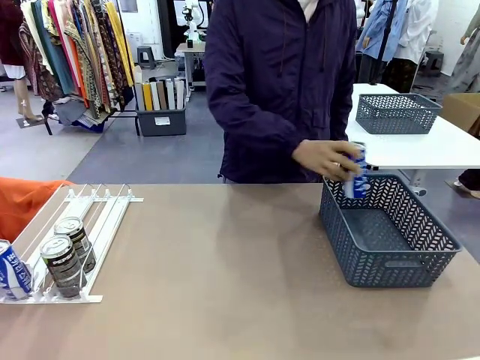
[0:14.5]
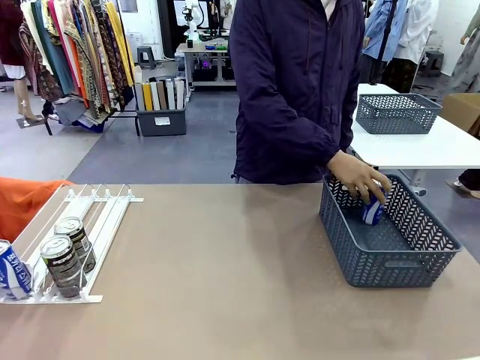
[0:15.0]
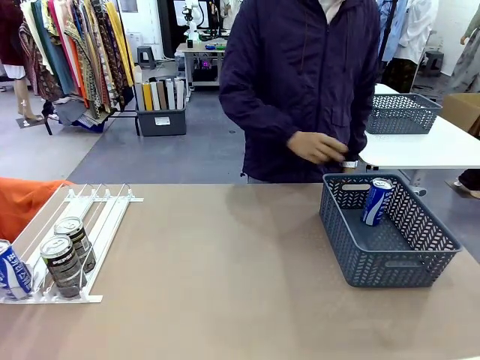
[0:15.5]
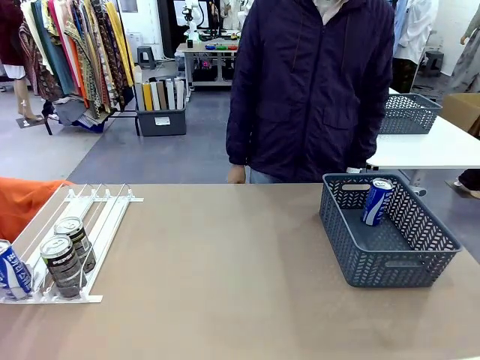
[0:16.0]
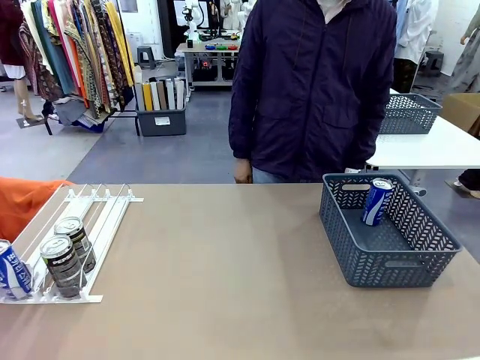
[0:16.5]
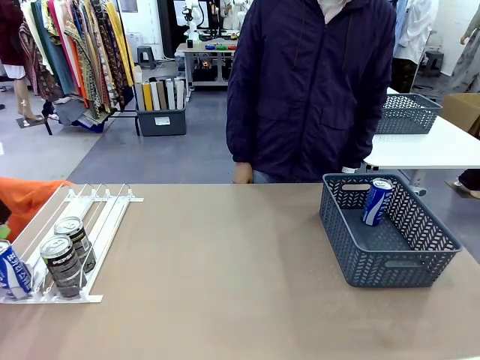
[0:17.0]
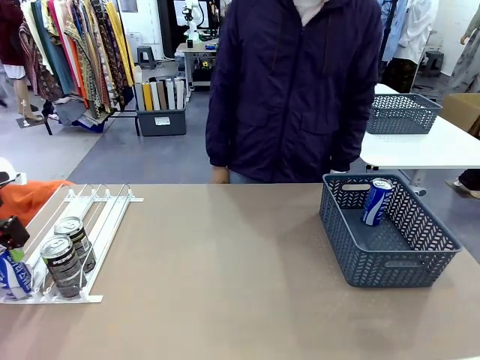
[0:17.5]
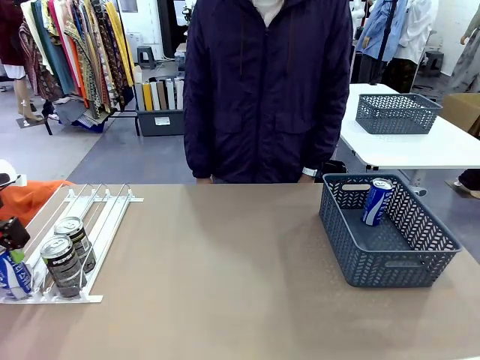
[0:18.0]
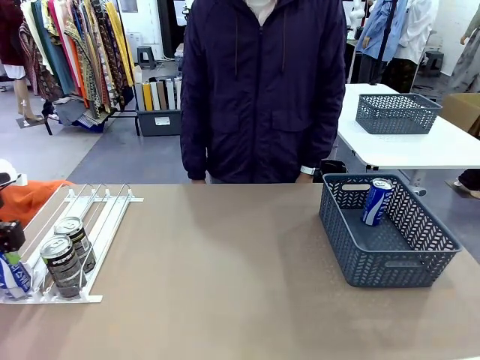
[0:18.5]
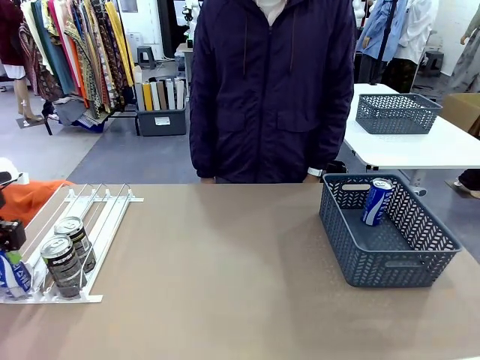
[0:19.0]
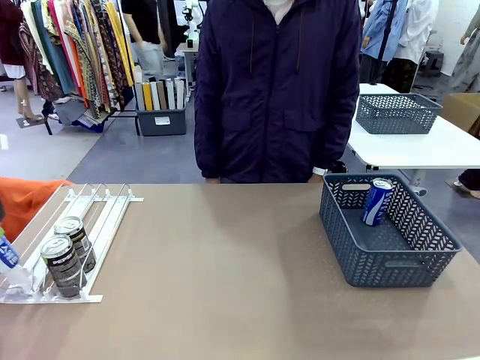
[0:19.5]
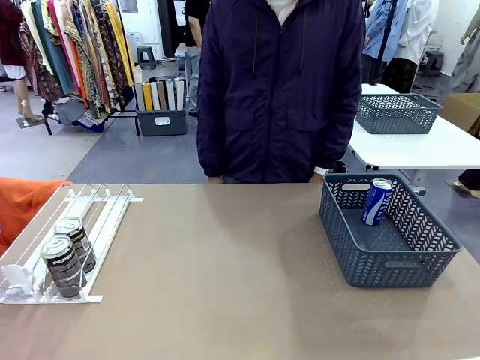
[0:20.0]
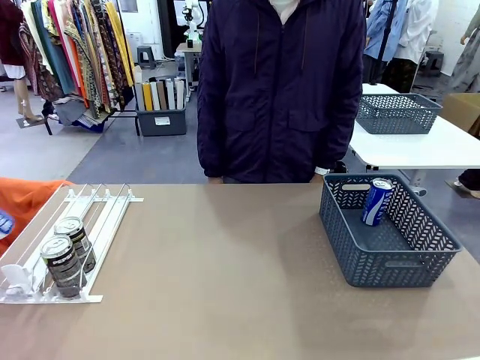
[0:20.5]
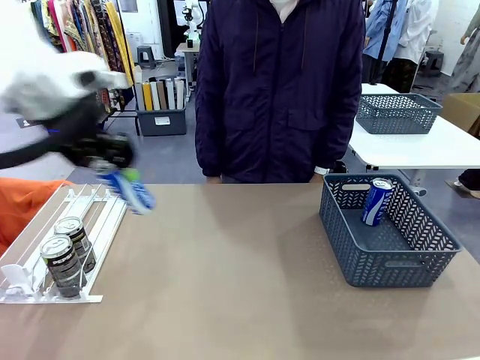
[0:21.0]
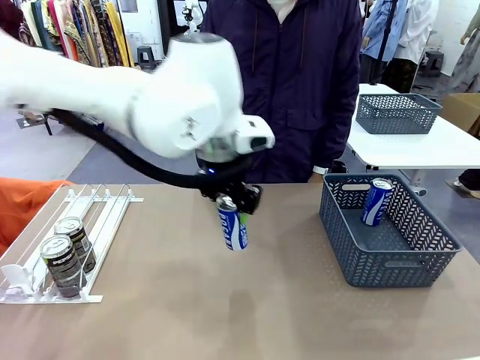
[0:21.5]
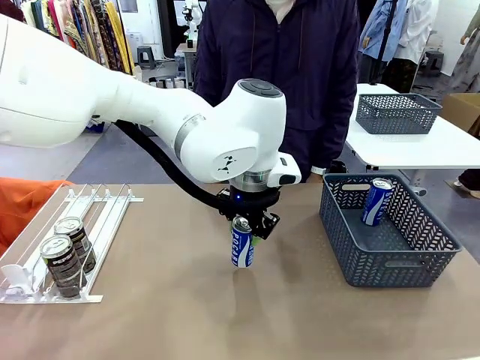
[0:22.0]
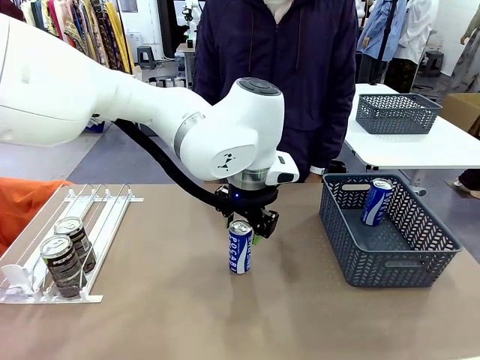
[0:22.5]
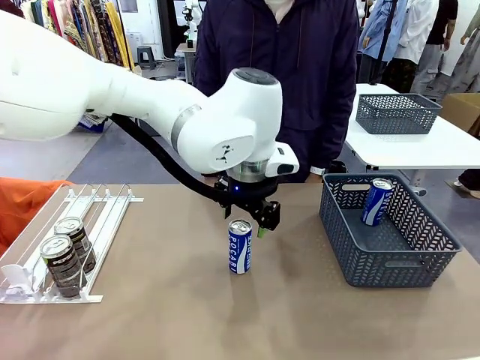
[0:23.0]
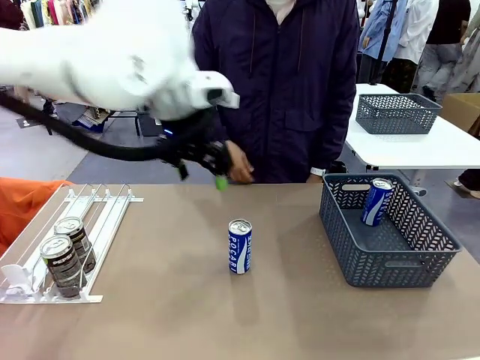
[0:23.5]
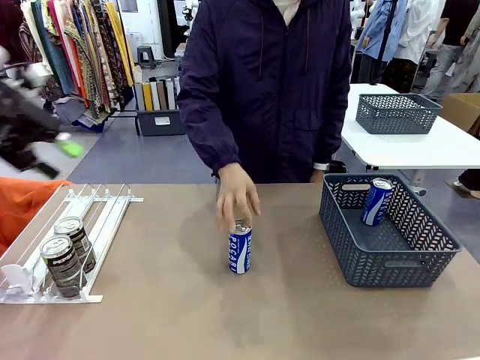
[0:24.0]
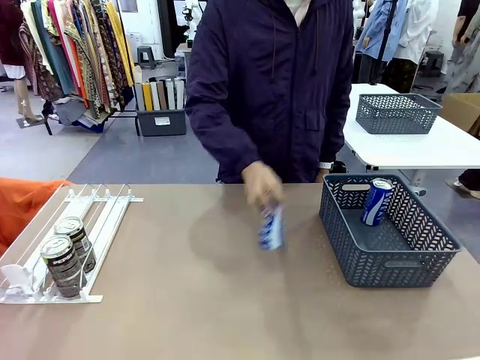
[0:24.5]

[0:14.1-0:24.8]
Task: Retrieve and store the cans from the dispenser.
Robot: Pick up the last remaining can from one row of the Automatic Can Dispenser and place it in the middle of the table.
Person: Pick up one Pepsi can from the middle of the robot table and place it in the basket.

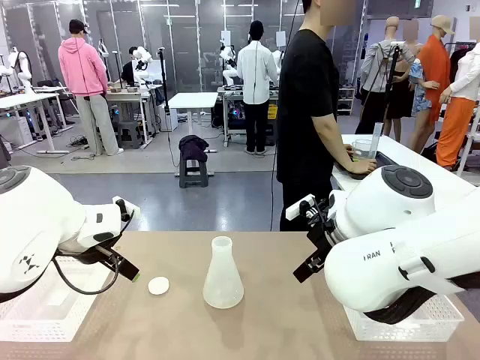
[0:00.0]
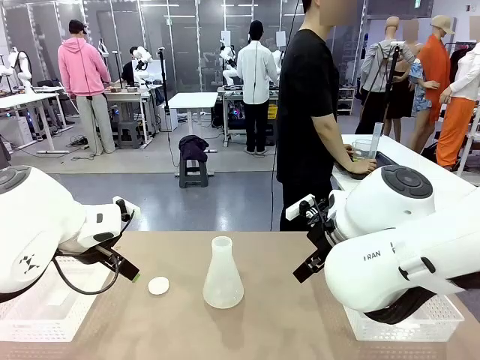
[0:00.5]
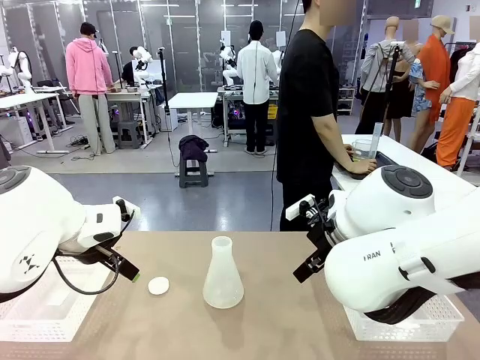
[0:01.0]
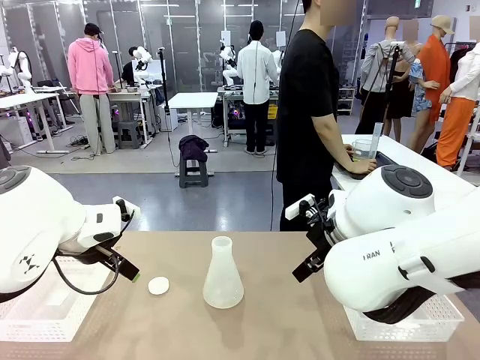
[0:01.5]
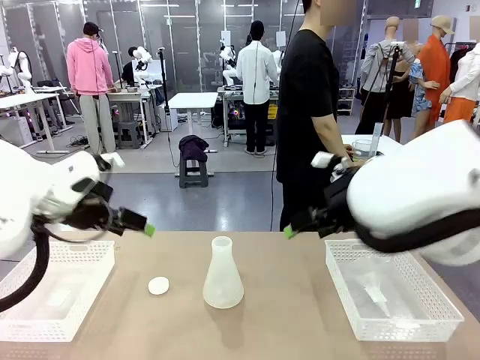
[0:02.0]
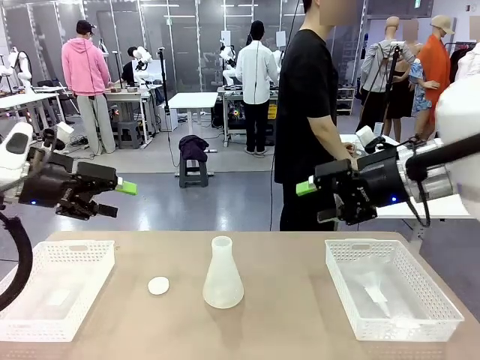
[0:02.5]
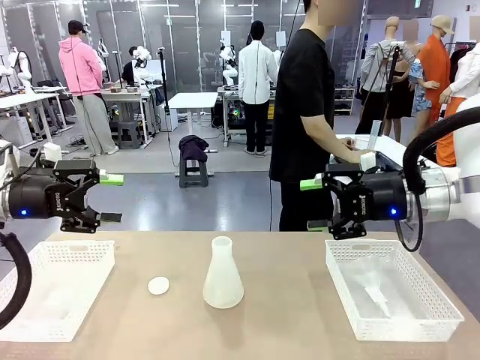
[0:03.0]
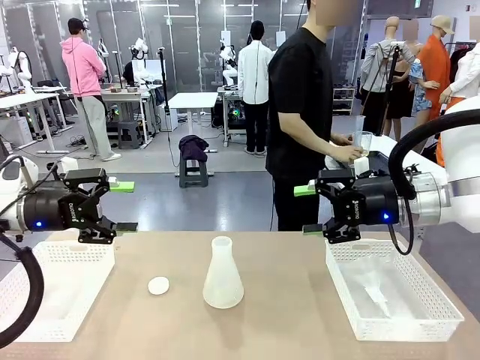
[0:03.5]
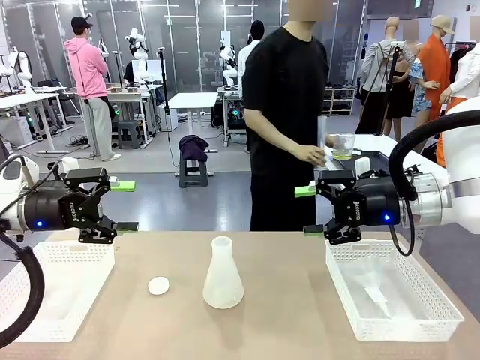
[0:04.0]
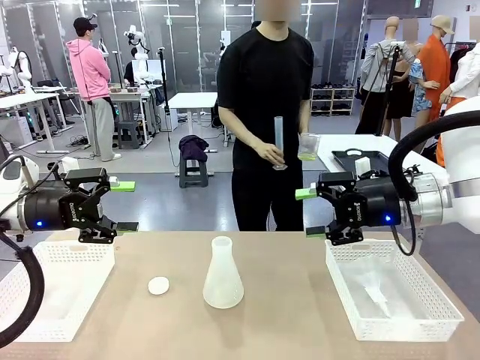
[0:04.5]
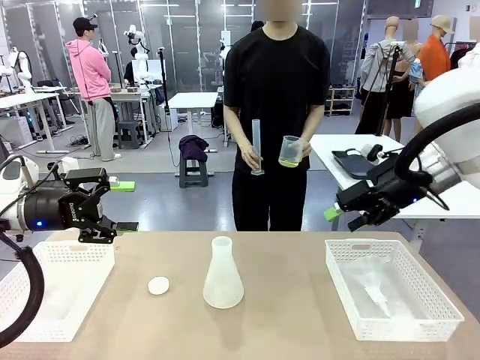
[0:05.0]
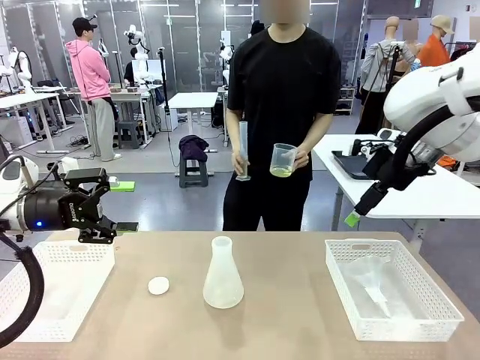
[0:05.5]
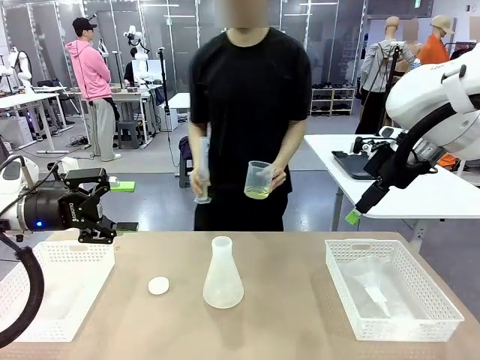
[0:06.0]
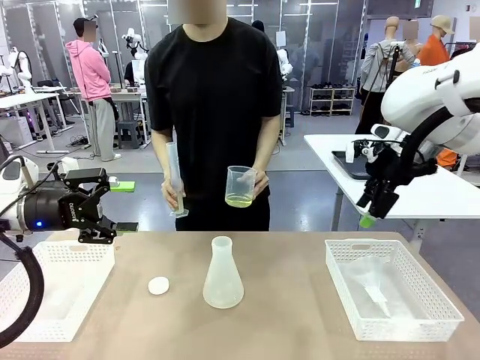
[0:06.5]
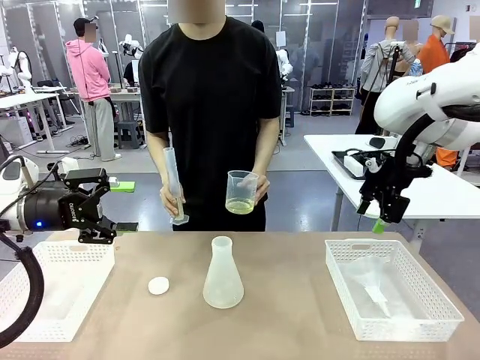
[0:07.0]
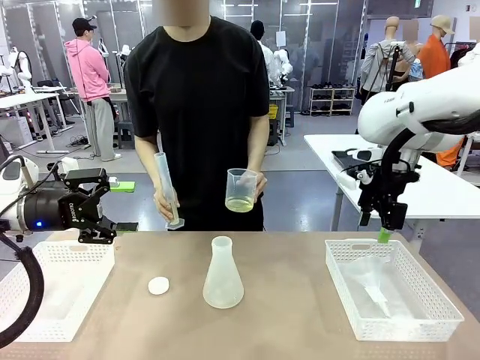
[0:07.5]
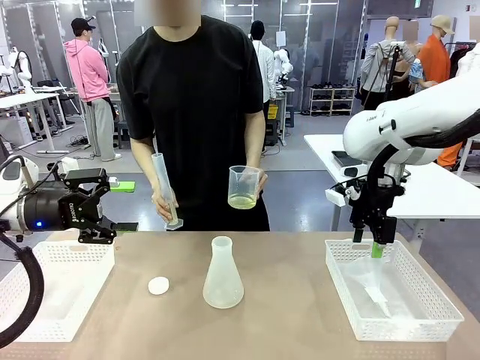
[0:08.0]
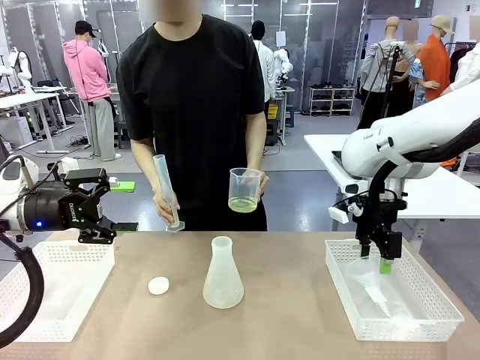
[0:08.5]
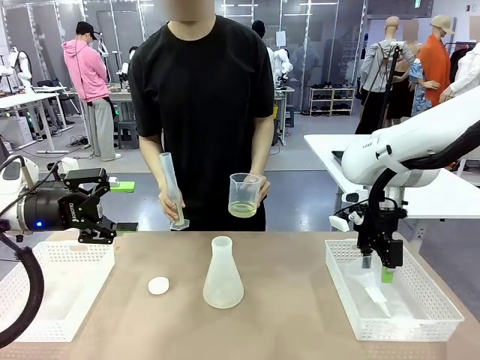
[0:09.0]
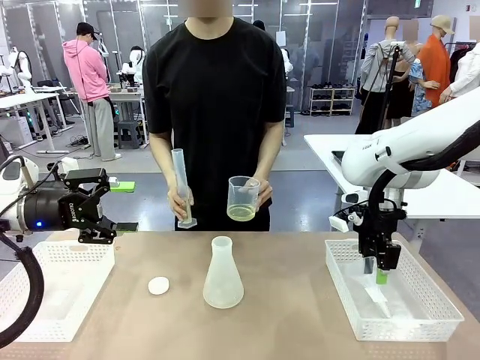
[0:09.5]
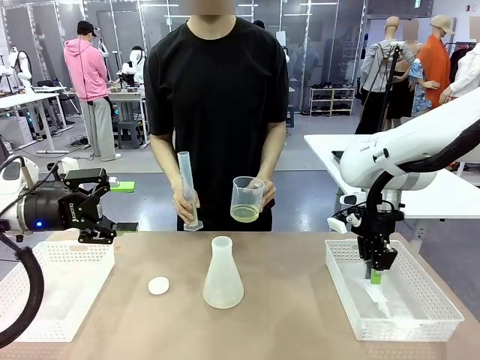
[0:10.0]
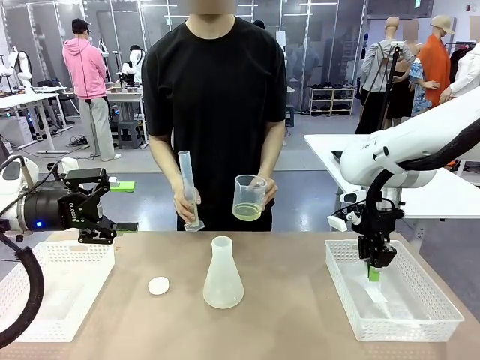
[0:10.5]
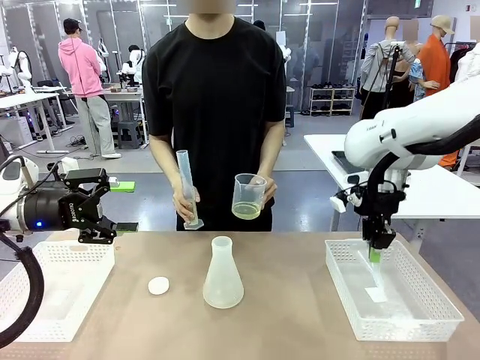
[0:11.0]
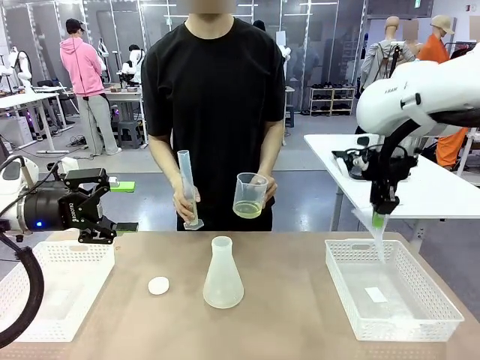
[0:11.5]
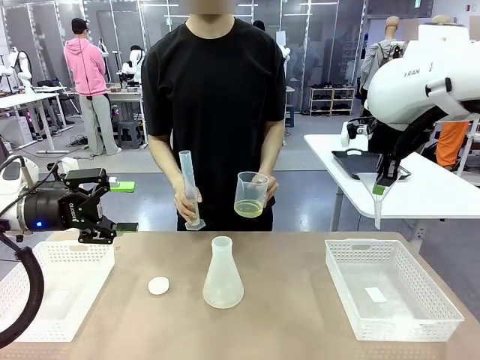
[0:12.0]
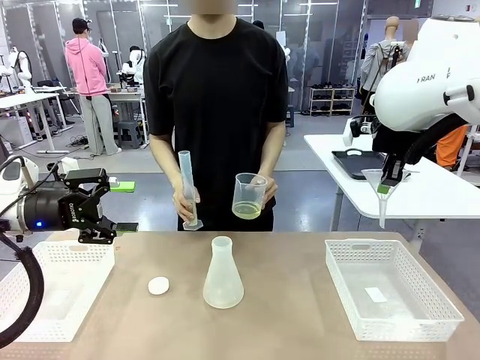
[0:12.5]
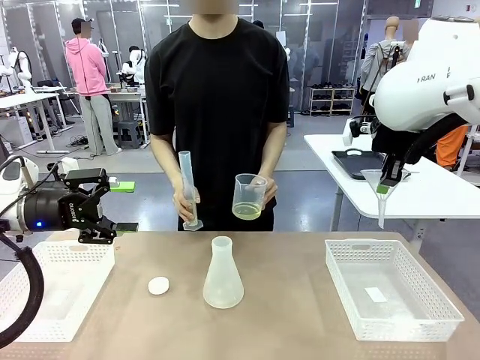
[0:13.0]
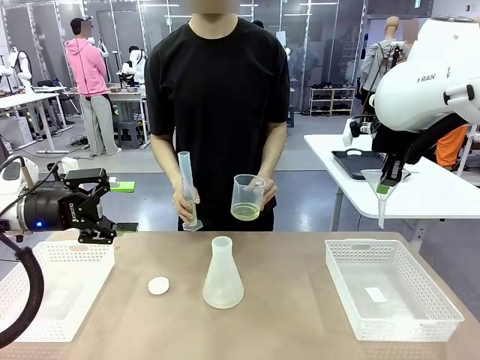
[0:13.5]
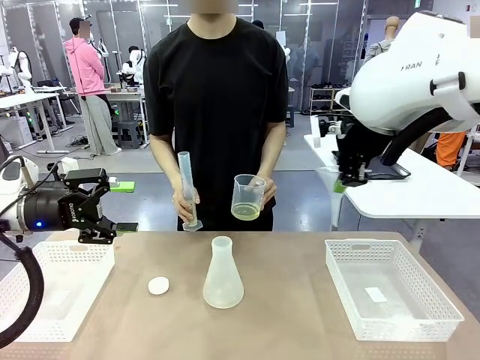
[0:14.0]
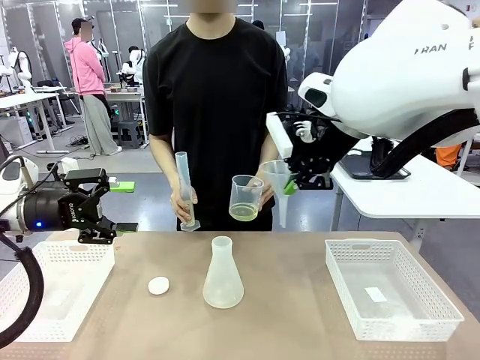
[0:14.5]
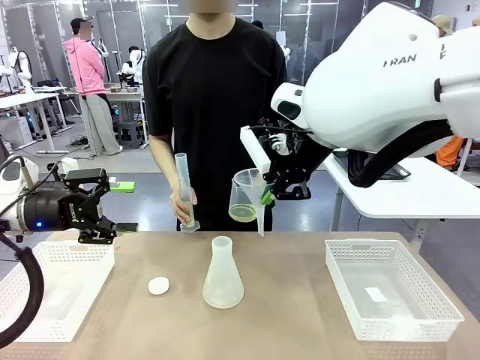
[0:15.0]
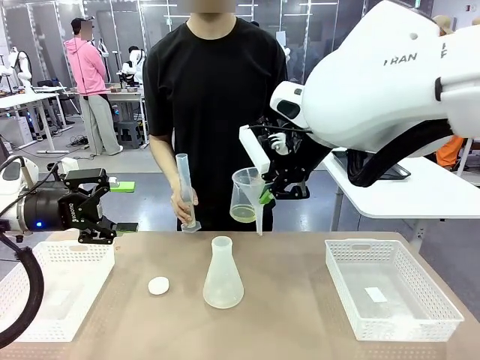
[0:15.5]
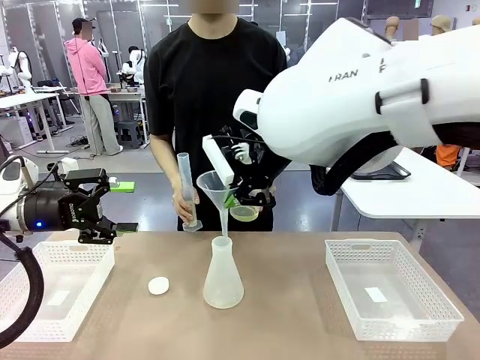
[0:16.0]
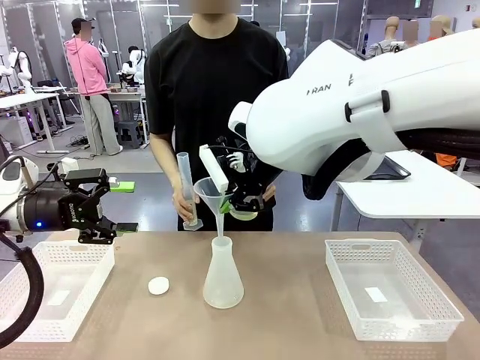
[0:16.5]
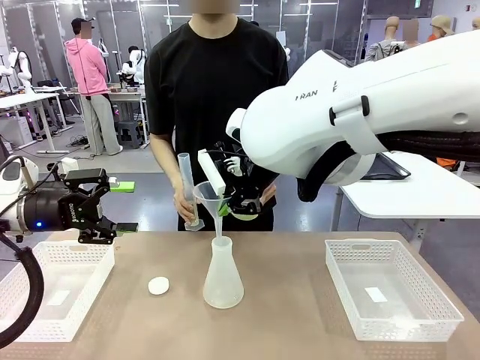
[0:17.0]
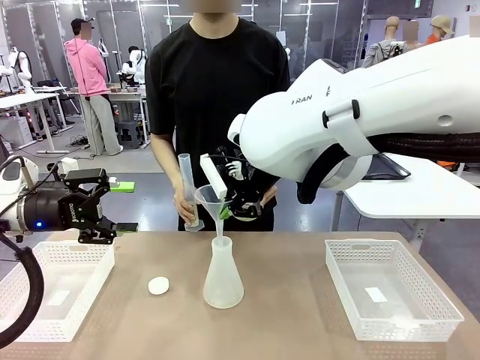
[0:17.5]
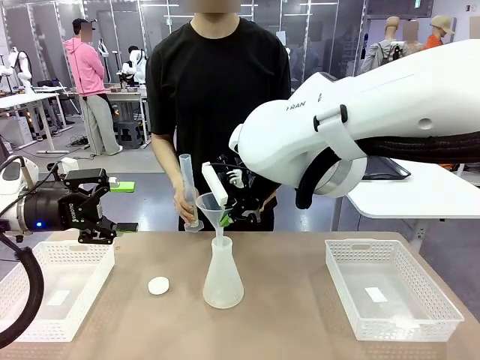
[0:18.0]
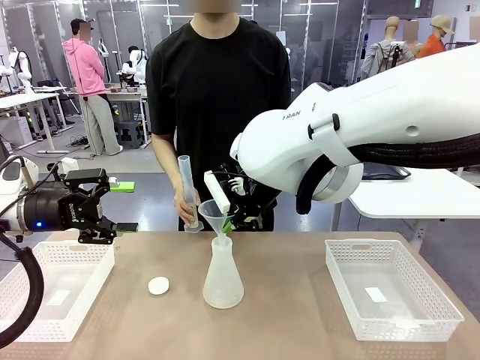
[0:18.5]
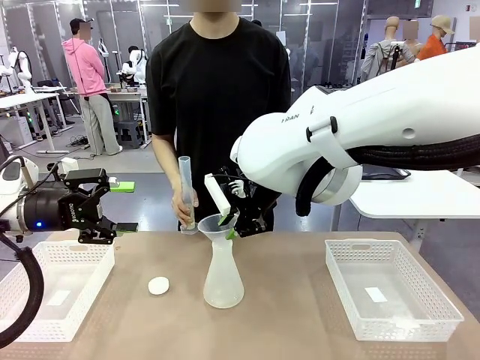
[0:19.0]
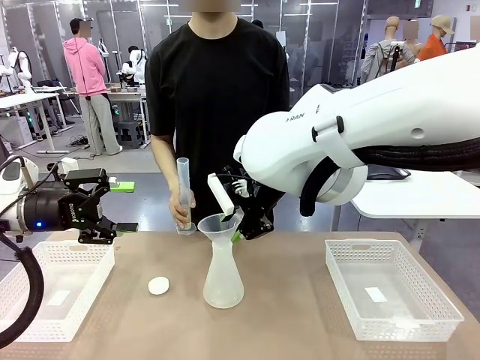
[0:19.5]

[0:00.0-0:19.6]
Task: Prepare the solutions needed for the experiment.
Robot: Pick up the Plastic Funnel and insert it into the Big flask.
Person: Pick up the beaker and the cylinder and move to the middle of the robot table. Pour the solution from the beaker and the cylinder into the flask.
